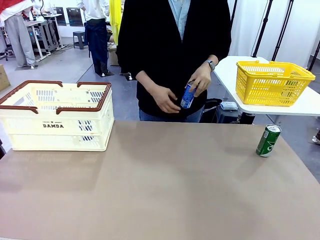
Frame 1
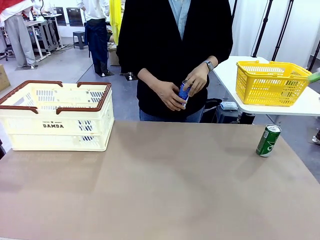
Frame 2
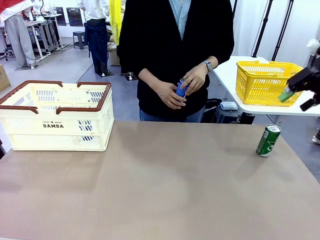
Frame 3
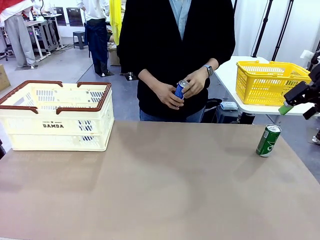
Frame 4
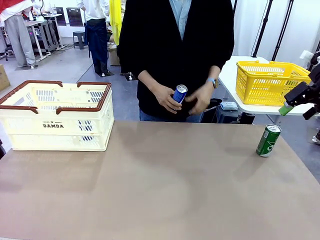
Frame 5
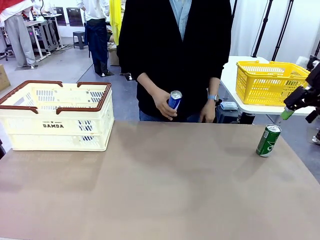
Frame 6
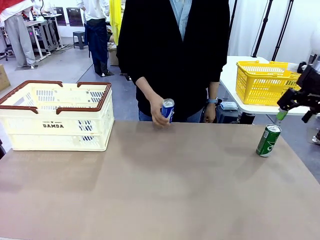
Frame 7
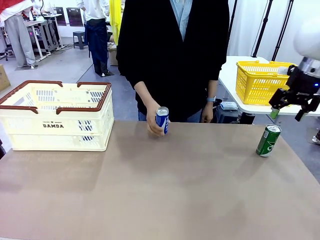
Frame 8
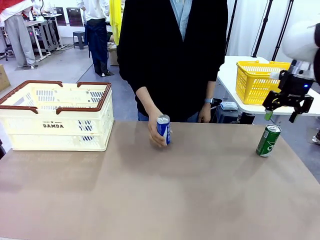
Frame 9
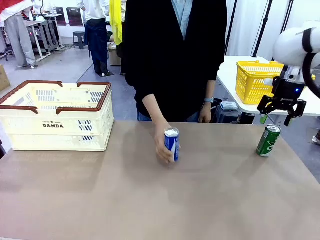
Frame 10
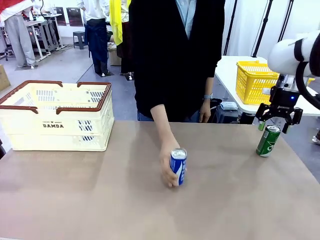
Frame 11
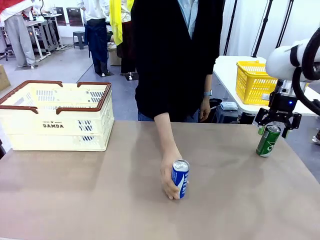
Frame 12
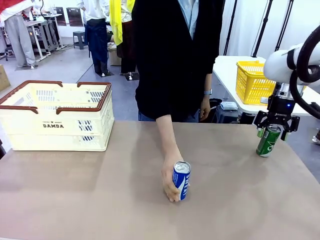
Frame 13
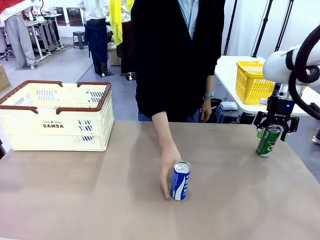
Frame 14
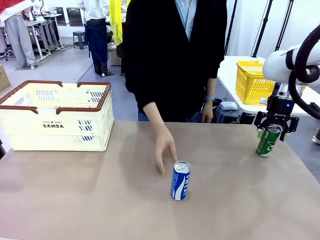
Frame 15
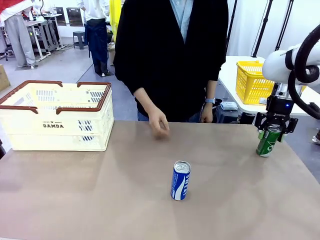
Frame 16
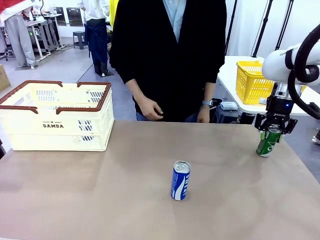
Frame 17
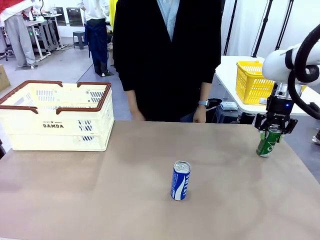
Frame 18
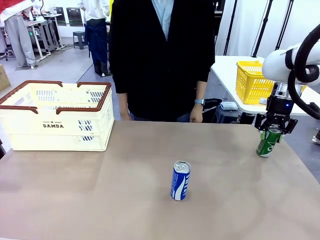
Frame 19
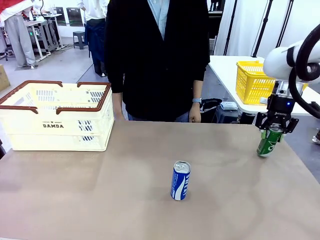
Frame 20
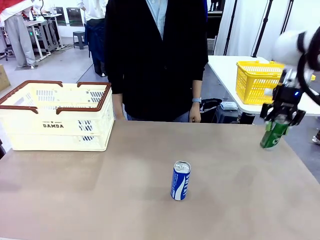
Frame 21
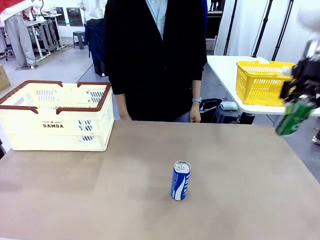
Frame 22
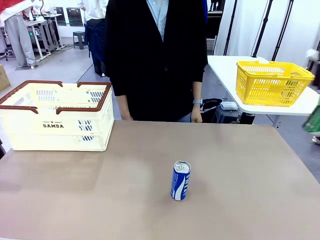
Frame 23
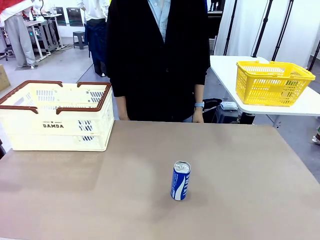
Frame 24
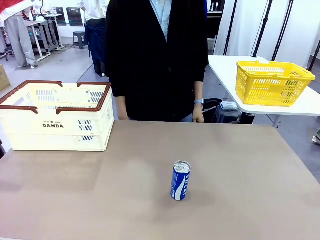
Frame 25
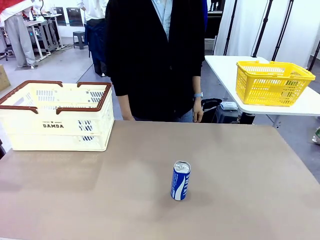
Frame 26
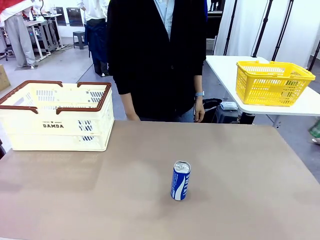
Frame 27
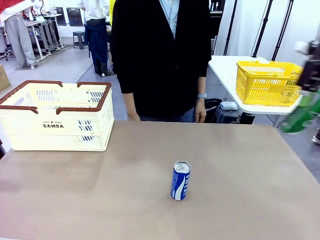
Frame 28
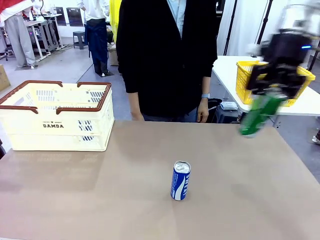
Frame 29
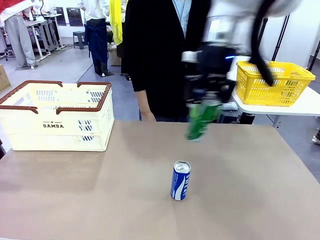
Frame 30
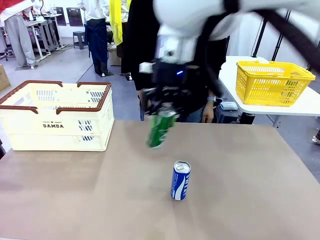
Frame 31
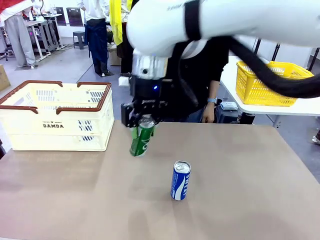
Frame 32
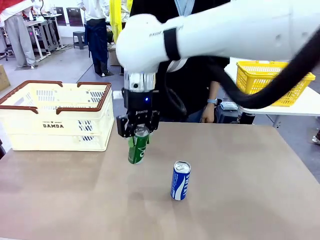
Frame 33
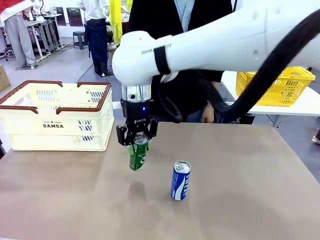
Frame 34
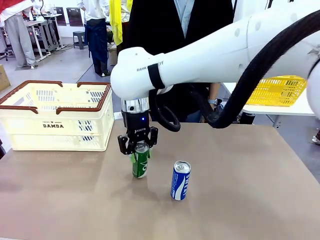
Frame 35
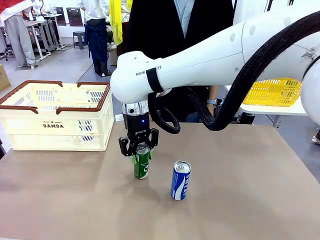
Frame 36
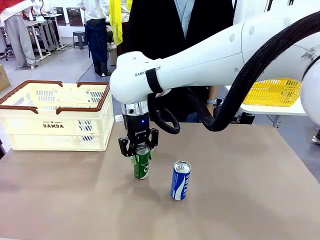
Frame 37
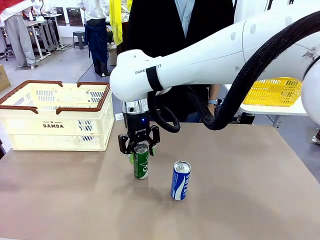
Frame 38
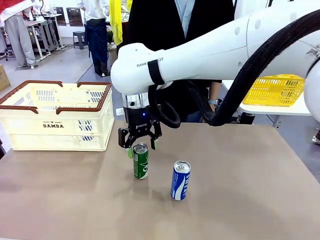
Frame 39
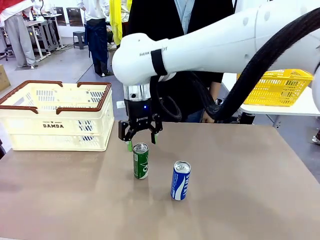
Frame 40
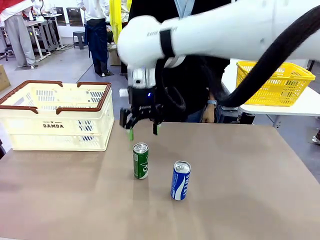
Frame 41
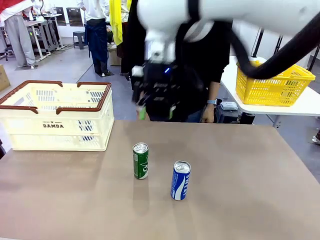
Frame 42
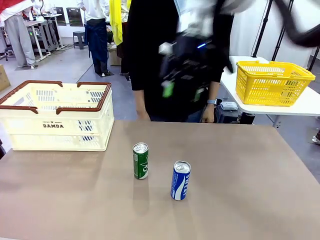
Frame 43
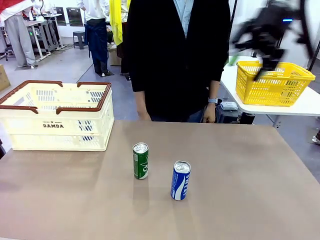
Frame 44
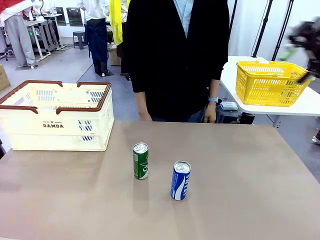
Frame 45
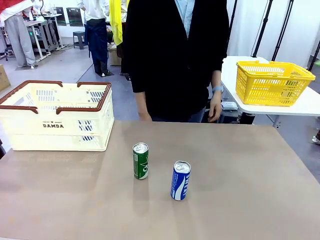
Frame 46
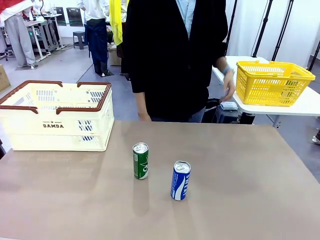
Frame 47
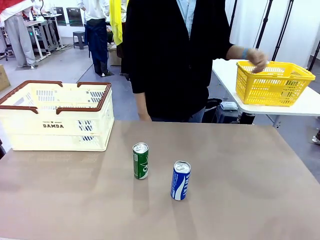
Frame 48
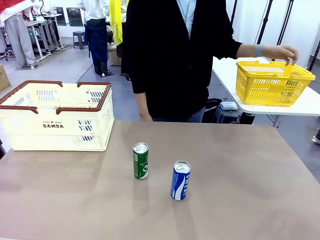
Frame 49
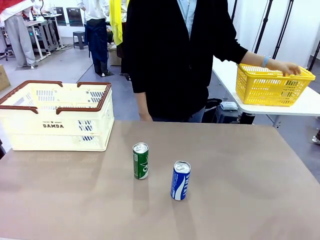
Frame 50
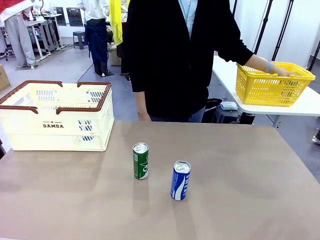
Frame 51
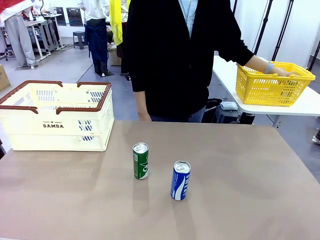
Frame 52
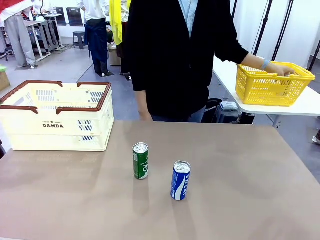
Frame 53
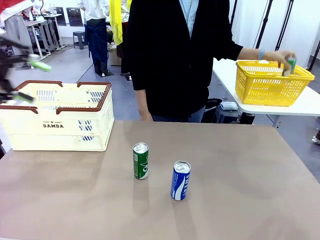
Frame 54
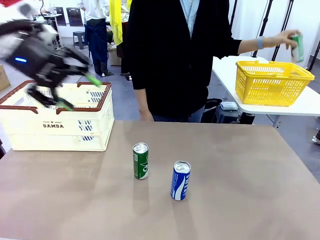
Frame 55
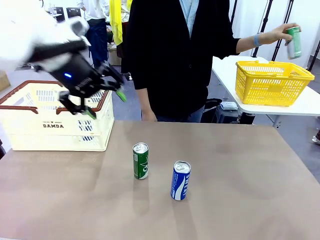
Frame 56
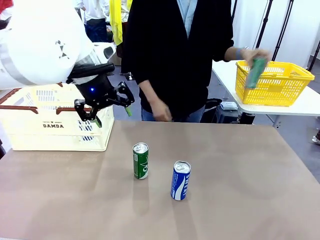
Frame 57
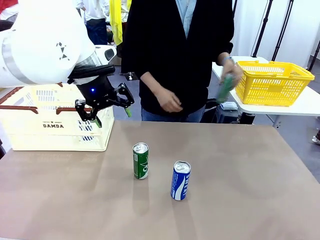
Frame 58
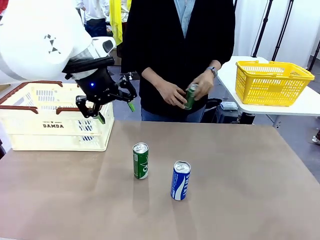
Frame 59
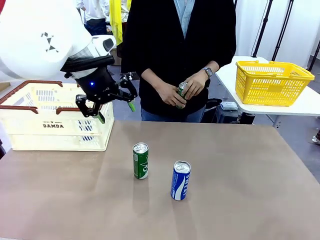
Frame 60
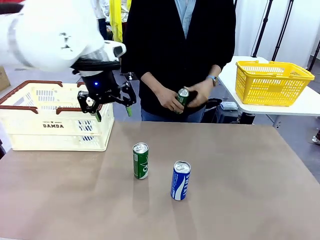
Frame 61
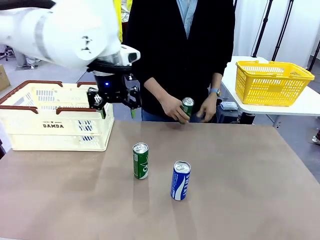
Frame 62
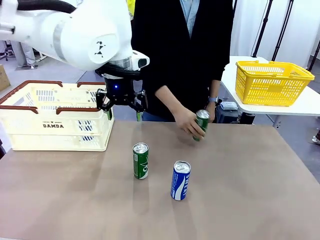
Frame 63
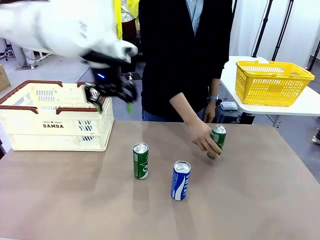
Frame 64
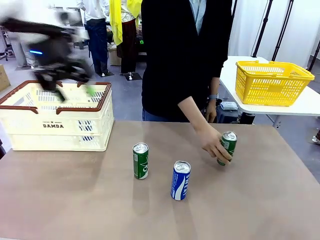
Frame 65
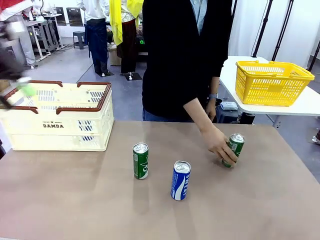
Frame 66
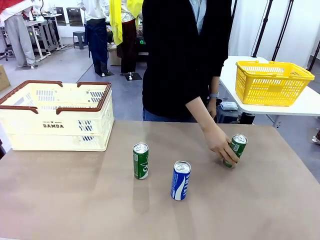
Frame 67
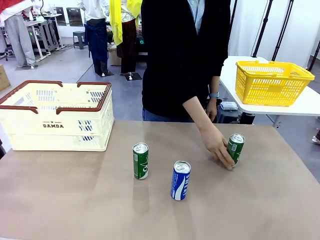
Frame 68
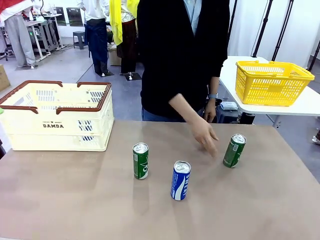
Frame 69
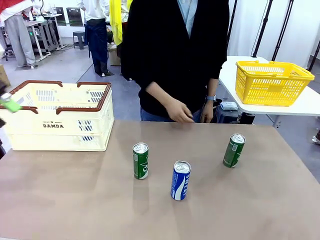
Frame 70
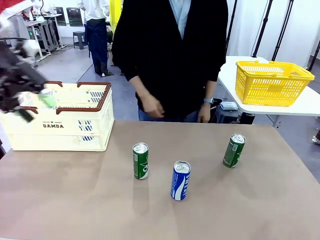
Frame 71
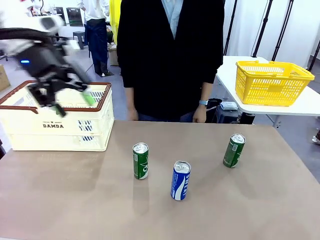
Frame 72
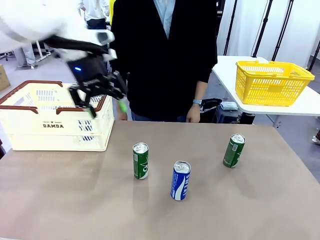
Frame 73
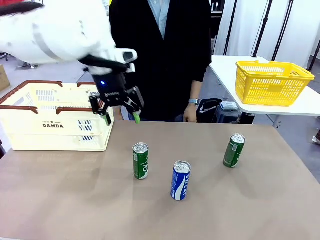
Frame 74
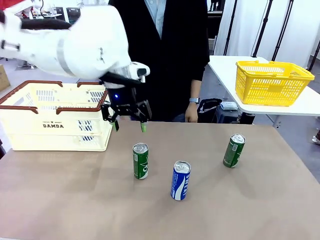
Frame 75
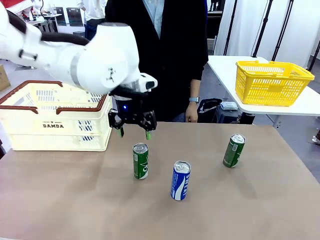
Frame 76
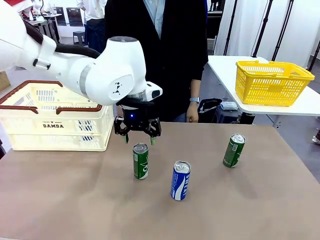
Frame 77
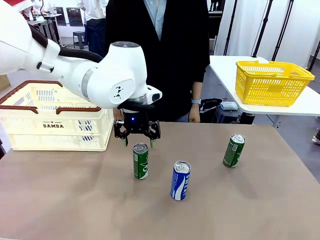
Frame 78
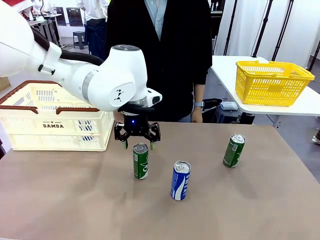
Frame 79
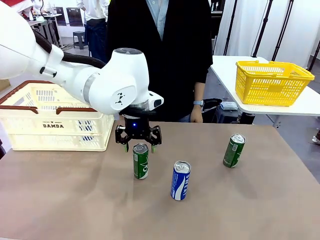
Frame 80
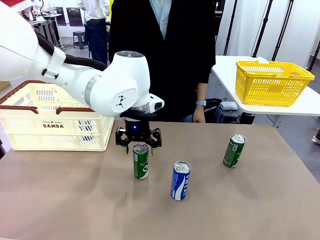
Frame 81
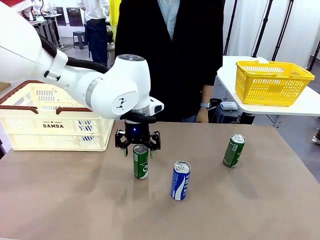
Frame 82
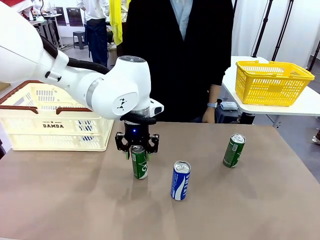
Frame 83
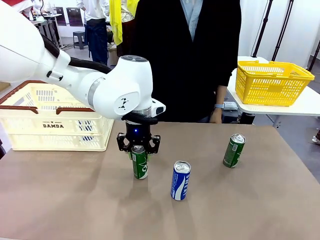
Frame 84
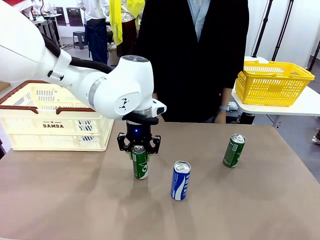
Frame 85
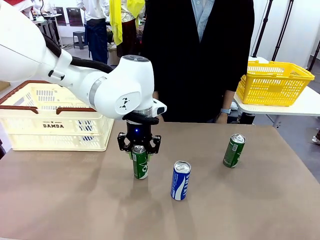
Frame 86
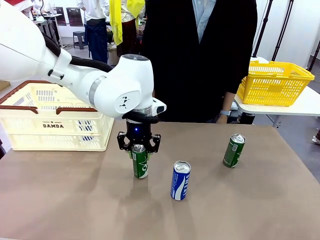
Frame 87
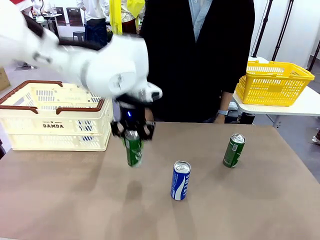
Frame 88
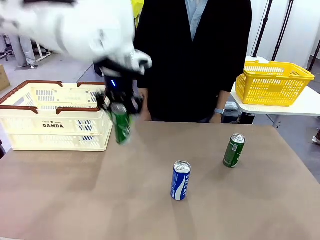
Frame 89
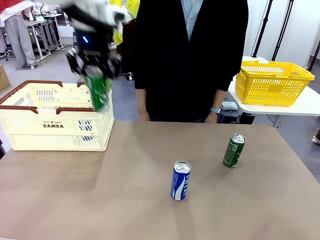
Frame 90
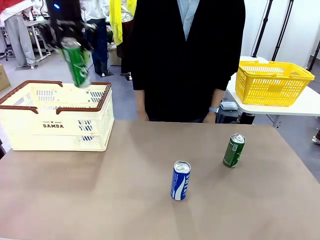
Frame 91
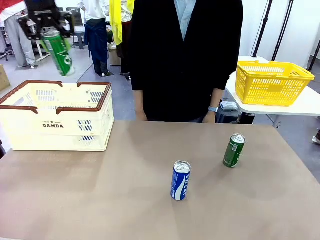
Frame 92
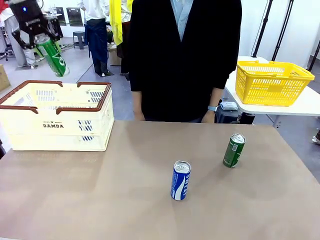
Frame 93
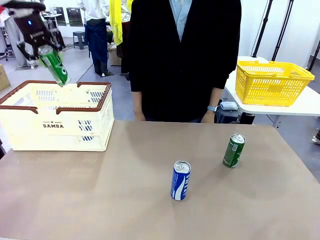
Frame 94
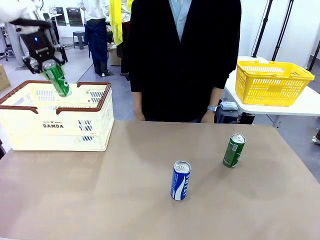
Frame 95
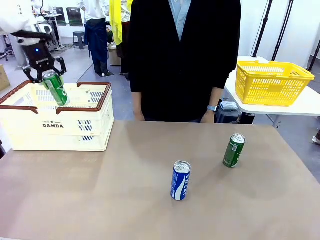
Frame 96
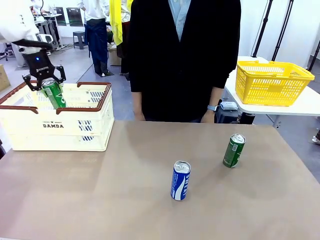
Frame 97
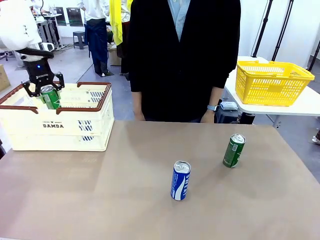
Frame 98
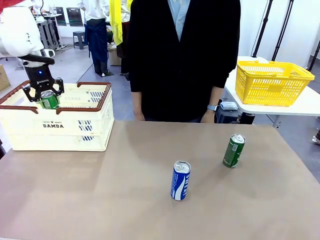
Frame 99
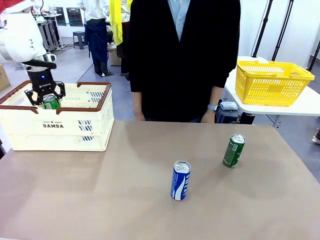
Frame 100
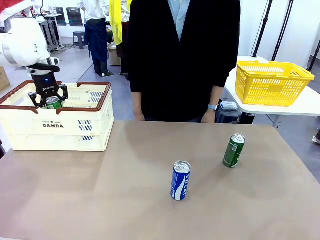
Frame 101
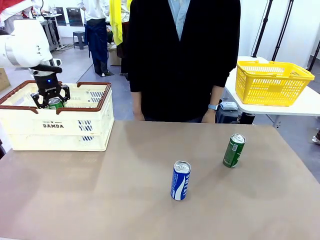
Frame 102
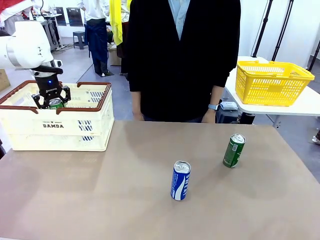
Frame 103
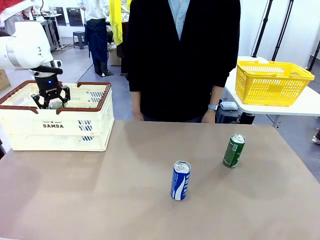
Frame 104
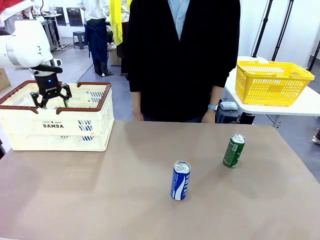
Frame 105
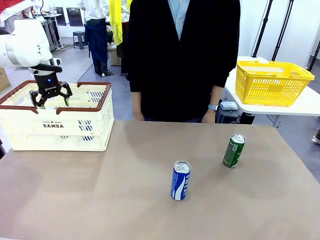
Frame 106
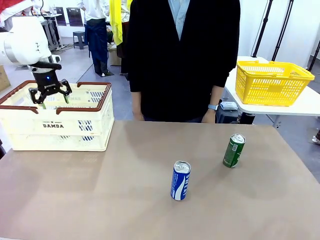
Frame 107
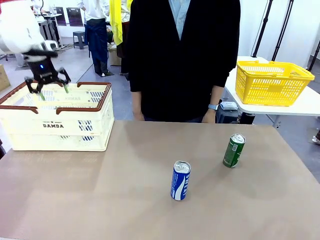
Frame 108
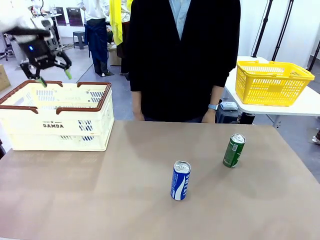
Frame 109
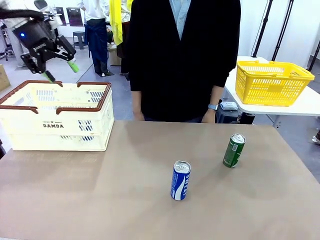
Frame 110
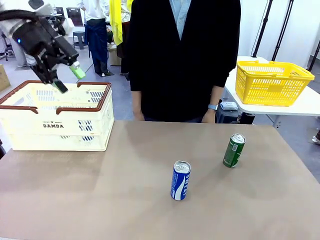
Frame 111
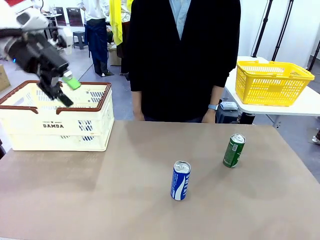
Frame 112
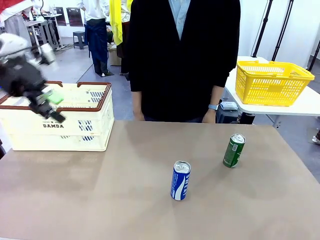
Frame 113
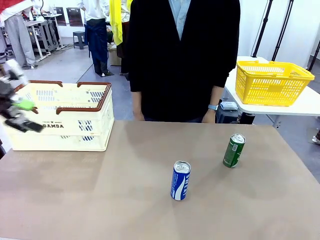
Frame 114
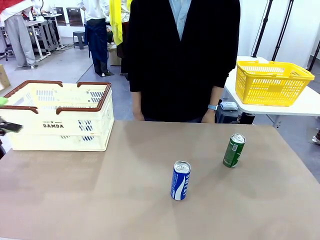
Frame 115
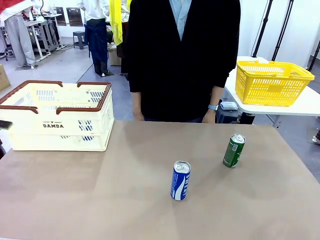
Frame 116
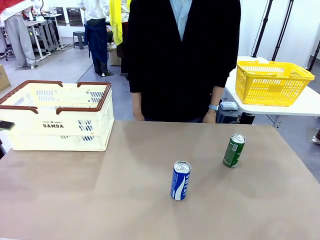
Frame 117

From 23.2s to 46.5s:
Task: Place the drinks into the Shopping basket.
Robot: Pick up one drink and place it into the Shopping basket.
